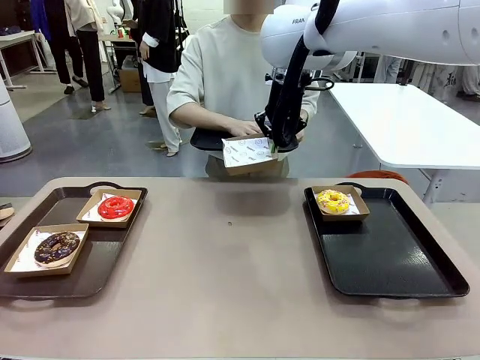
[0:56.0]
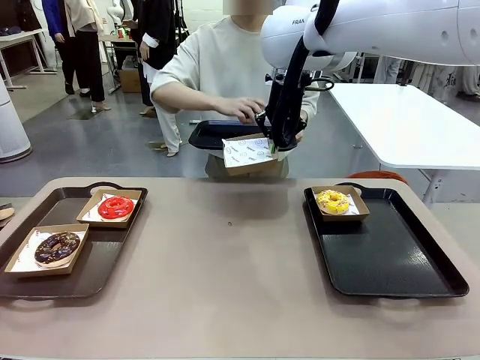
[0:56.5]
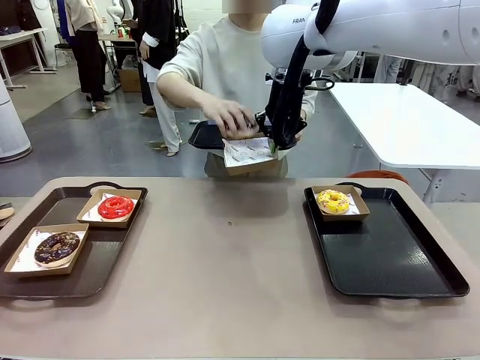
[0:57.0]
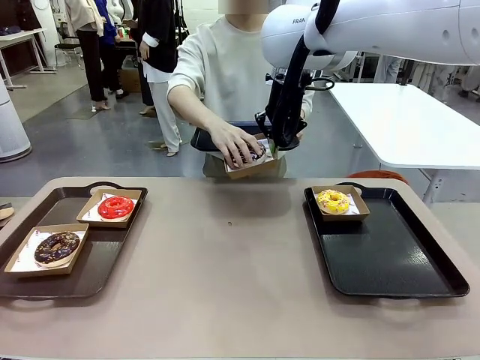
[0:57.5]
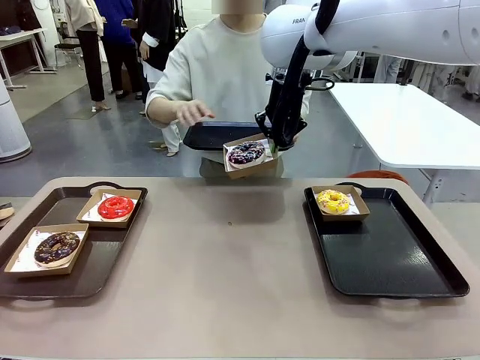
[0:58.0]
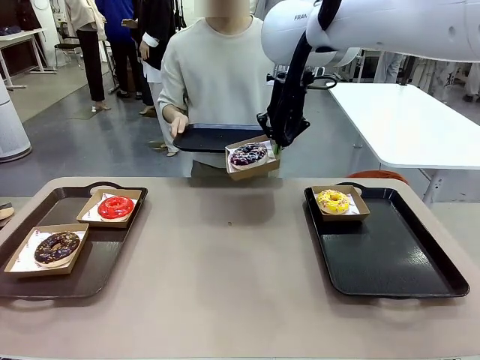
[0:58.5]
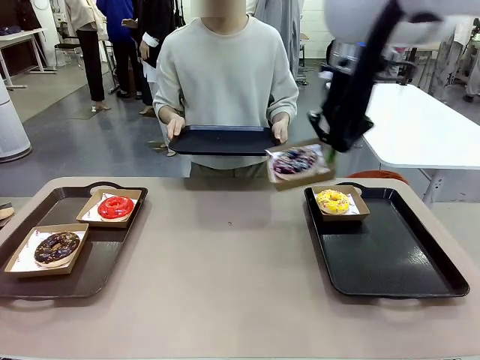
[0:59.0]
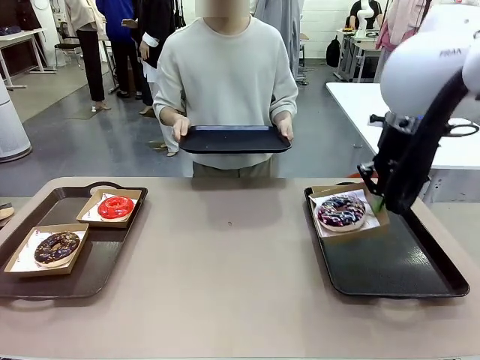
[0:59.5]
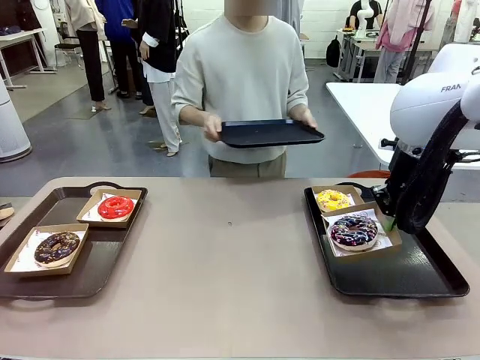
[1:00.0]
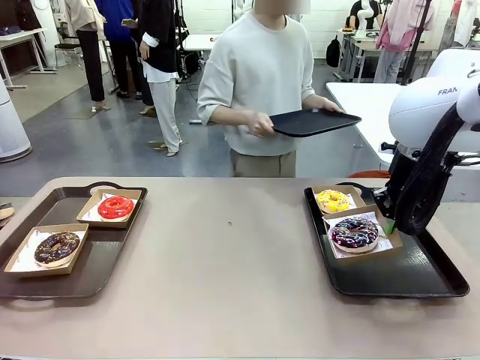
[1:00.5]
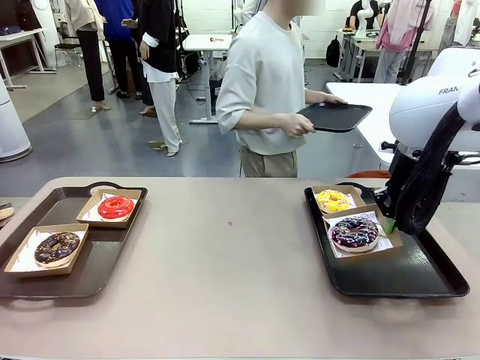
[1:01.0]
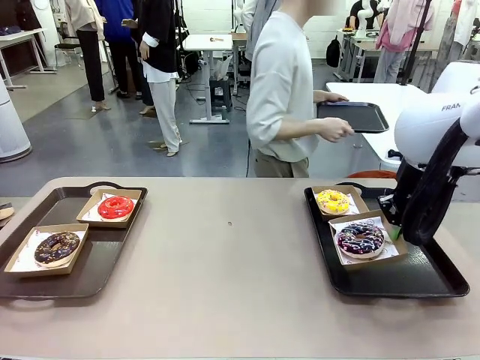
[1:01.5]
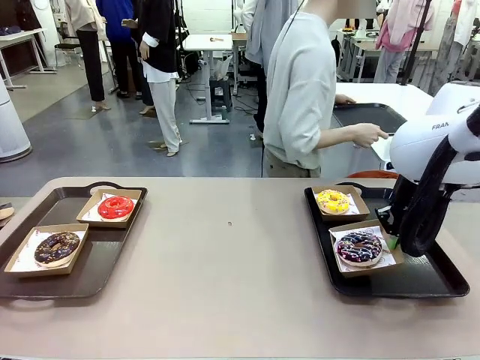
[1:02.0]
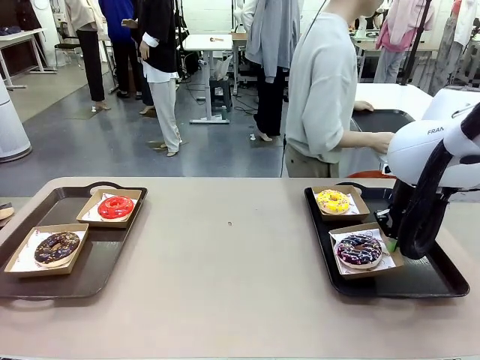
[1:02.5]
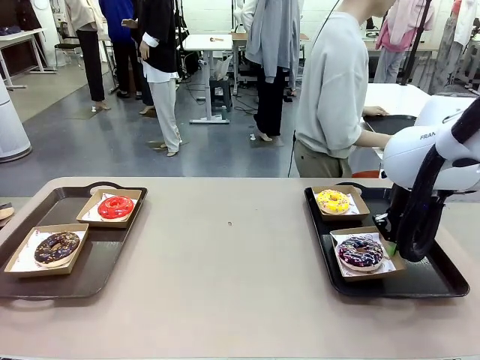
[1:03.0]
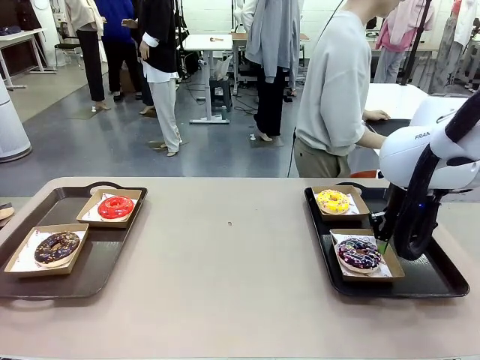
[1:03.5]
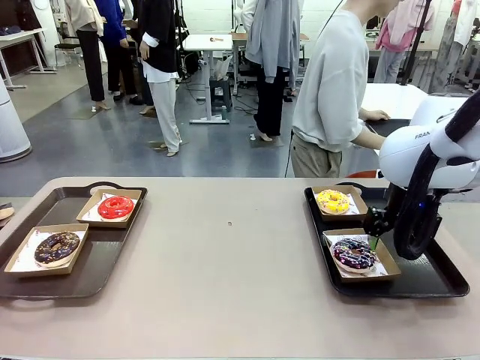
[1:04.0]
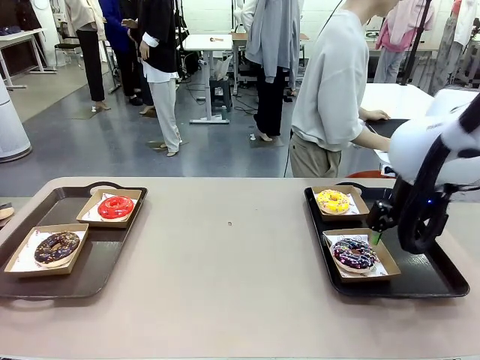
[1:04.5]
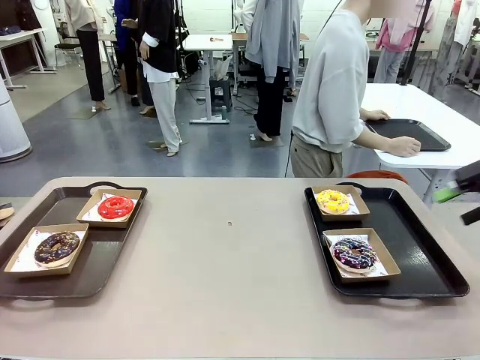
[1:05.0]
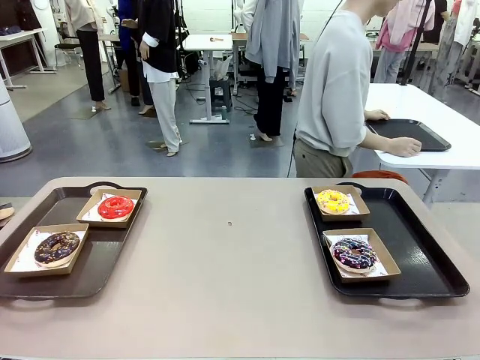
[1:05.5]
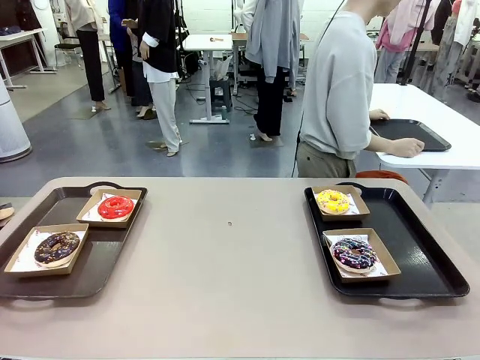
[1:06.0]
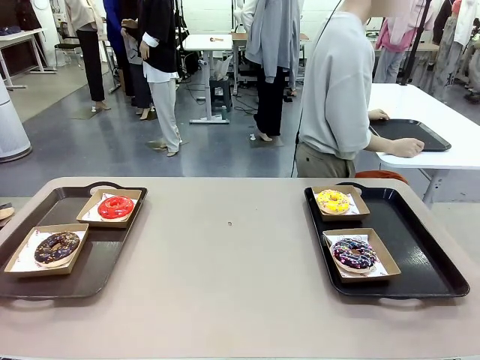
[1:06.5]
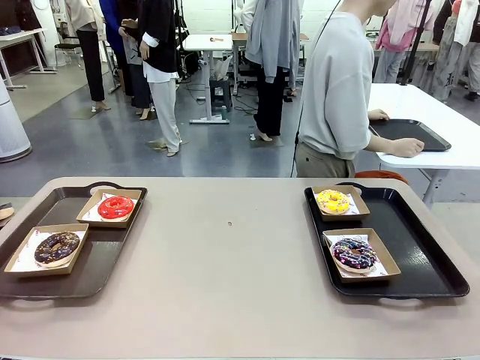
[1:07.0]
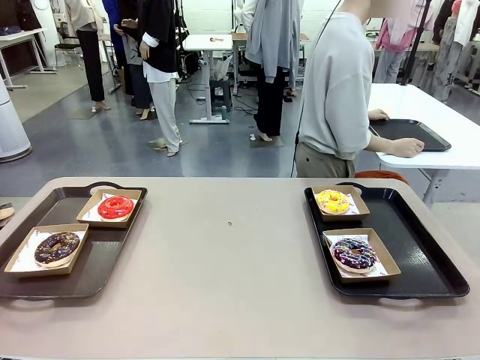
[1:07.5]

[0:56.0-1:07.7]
Task: Individually package the donuts and arrange them on the tray.
Robot: Place the picked Paper togo box on the Handle tray.
Person: Place the tray down in the middle of the human table.

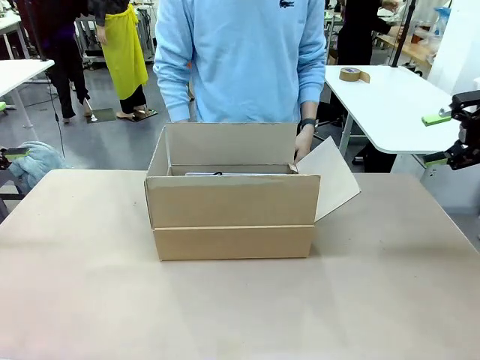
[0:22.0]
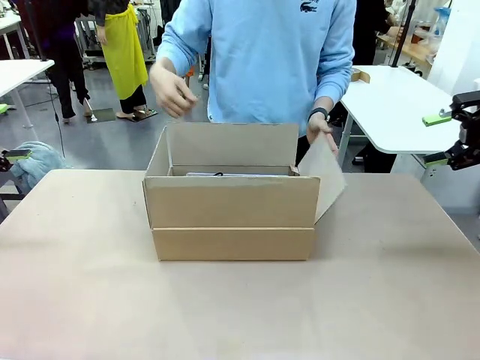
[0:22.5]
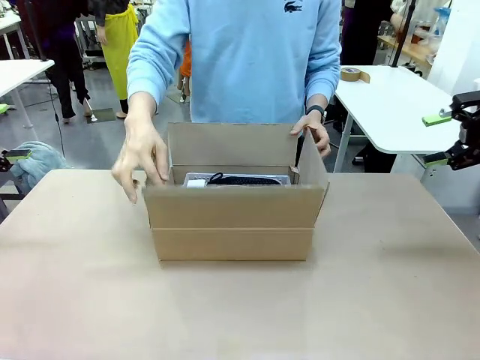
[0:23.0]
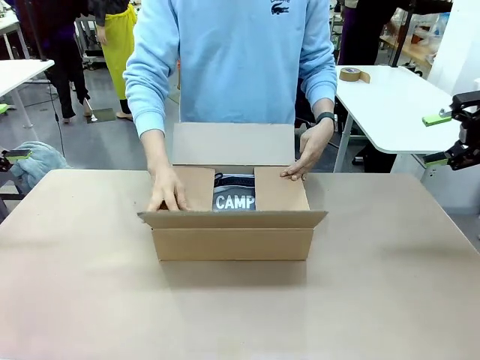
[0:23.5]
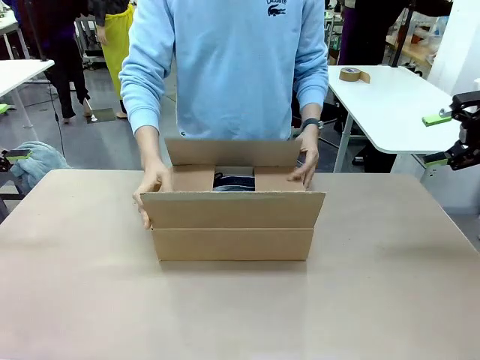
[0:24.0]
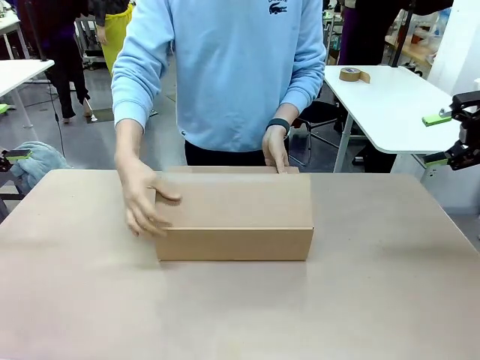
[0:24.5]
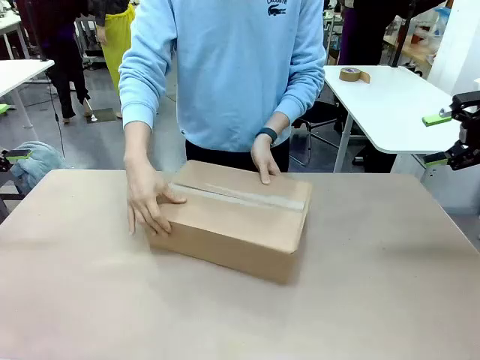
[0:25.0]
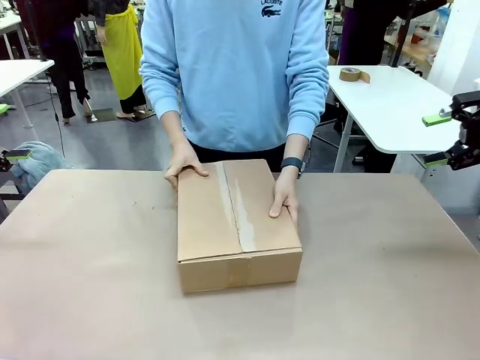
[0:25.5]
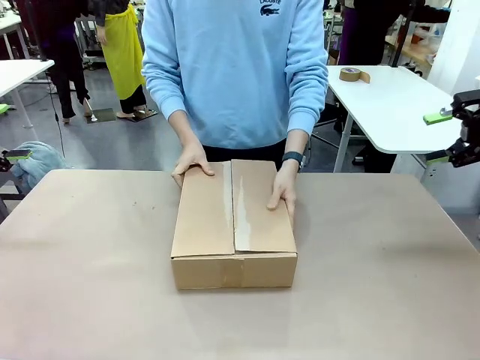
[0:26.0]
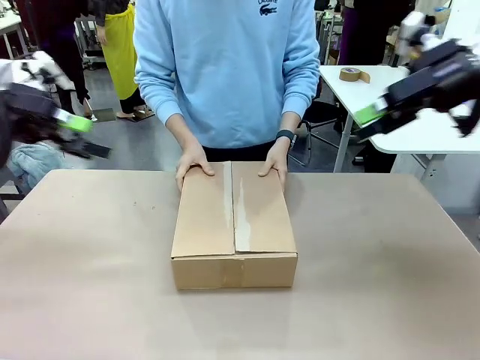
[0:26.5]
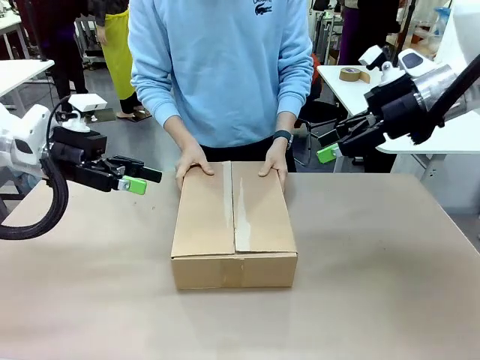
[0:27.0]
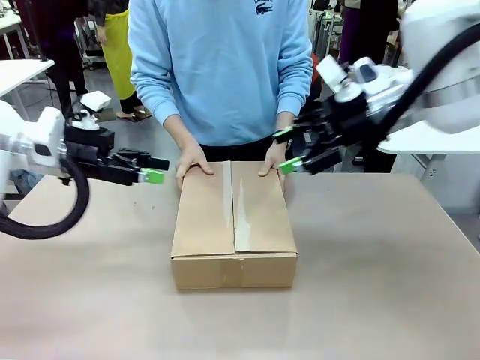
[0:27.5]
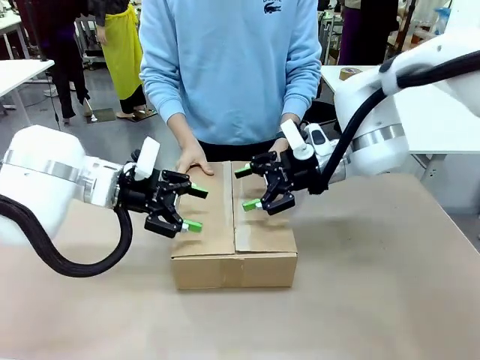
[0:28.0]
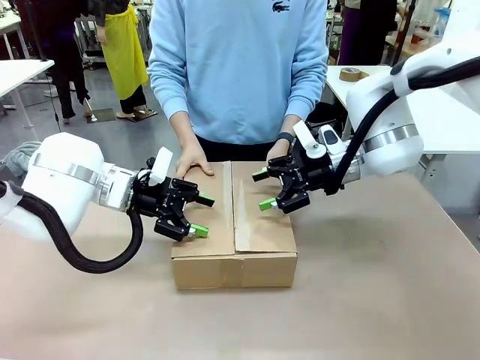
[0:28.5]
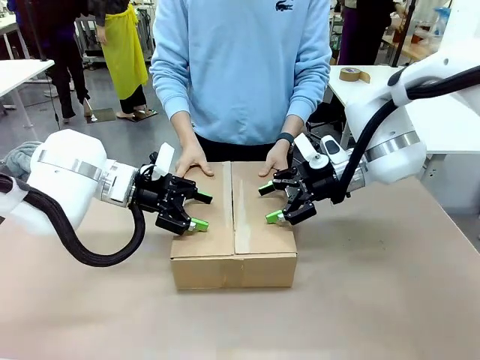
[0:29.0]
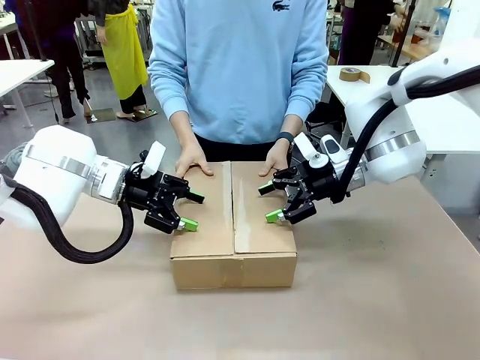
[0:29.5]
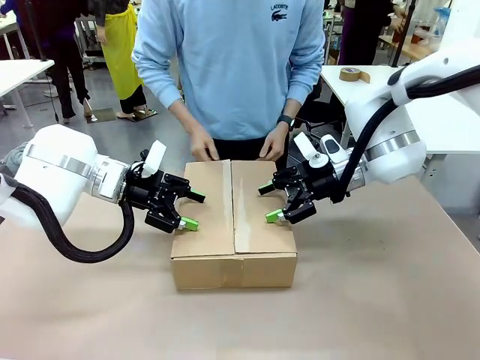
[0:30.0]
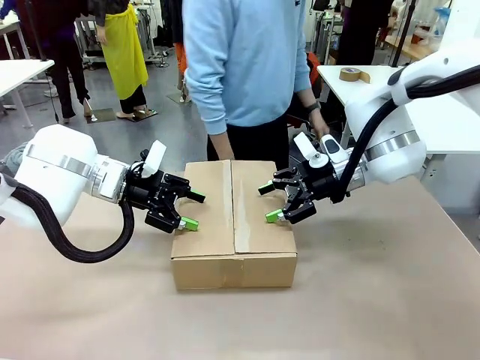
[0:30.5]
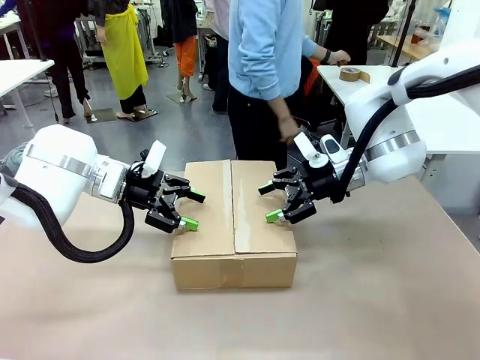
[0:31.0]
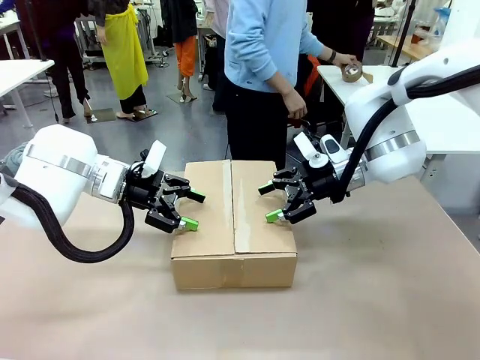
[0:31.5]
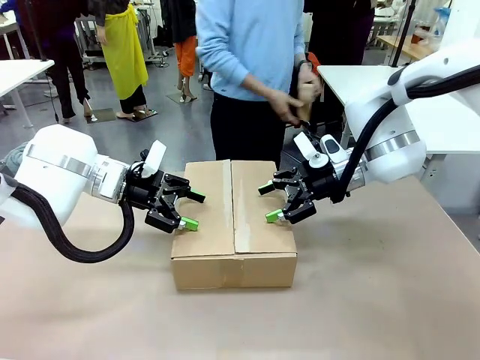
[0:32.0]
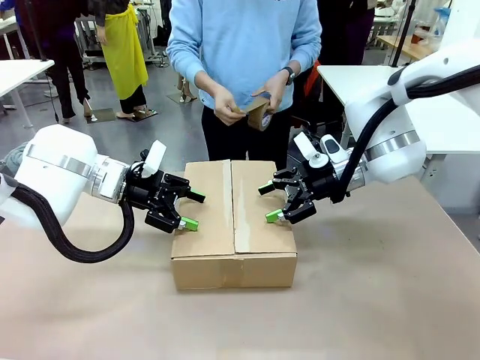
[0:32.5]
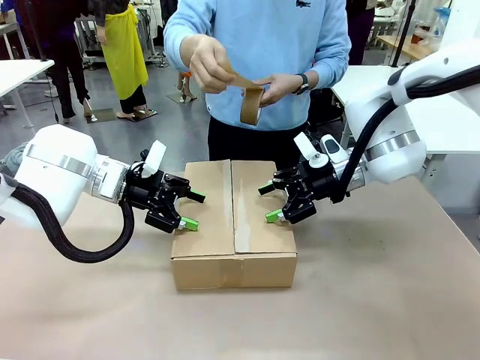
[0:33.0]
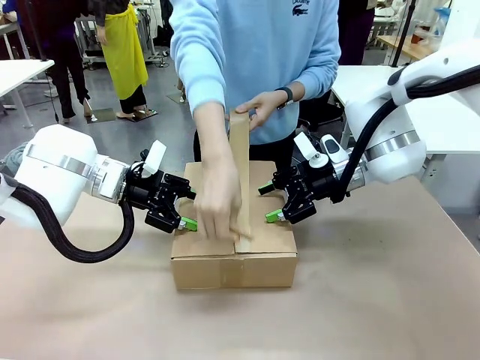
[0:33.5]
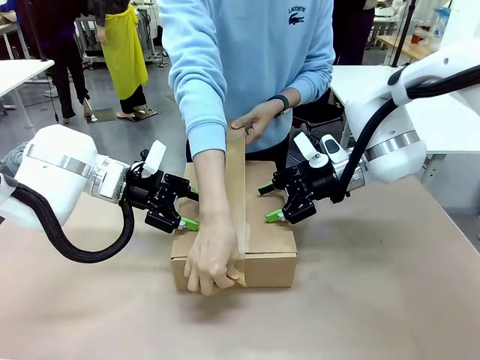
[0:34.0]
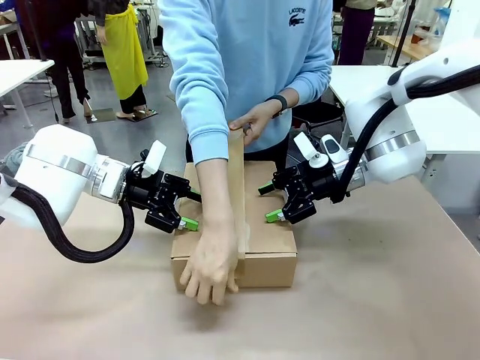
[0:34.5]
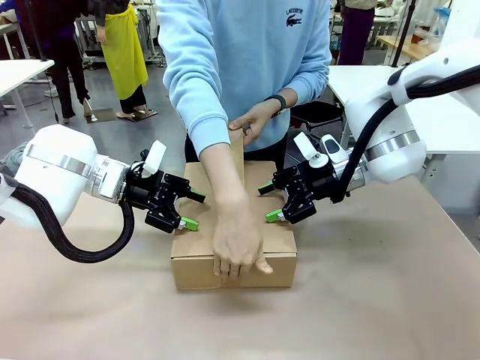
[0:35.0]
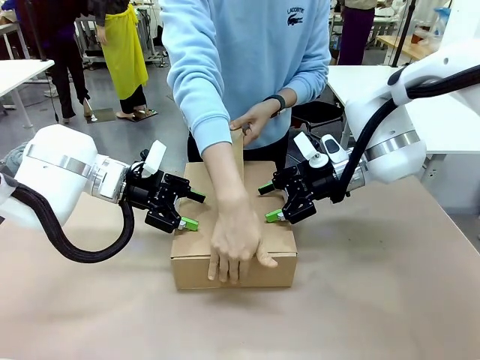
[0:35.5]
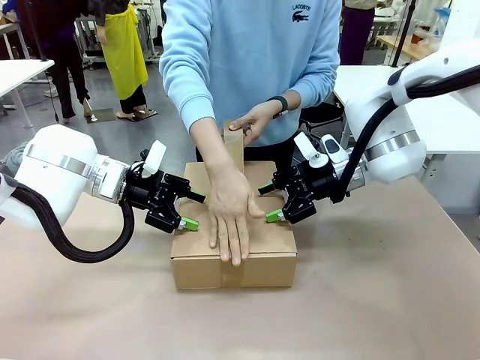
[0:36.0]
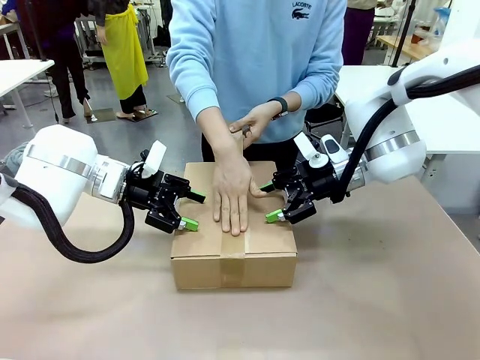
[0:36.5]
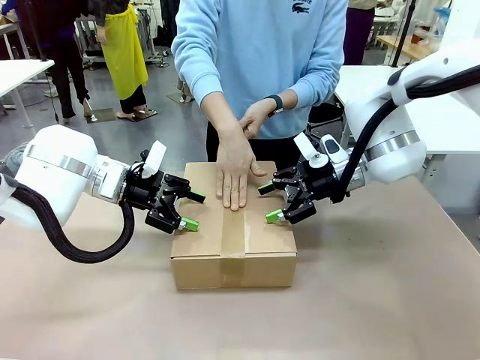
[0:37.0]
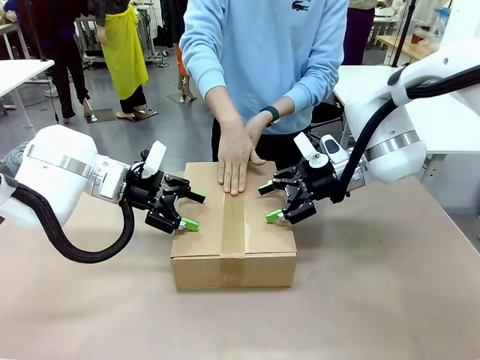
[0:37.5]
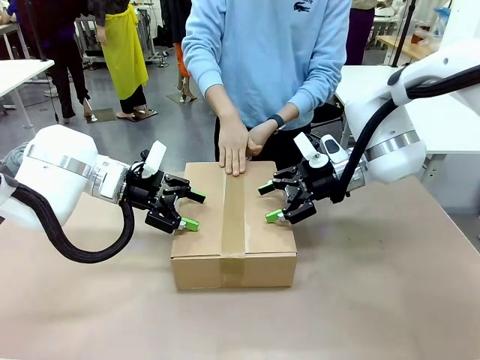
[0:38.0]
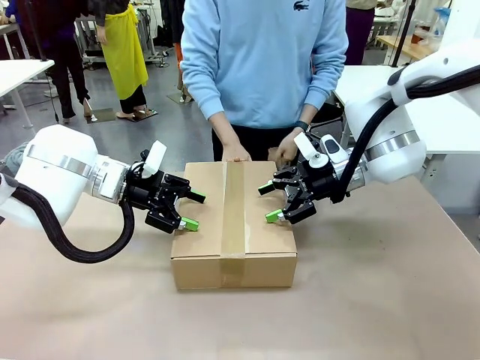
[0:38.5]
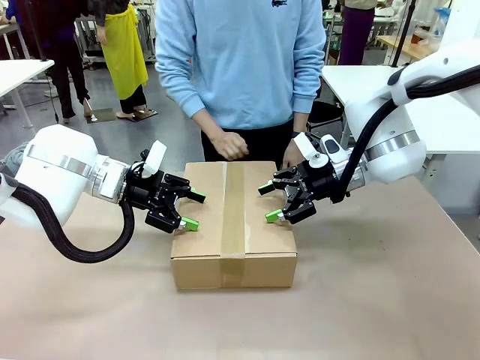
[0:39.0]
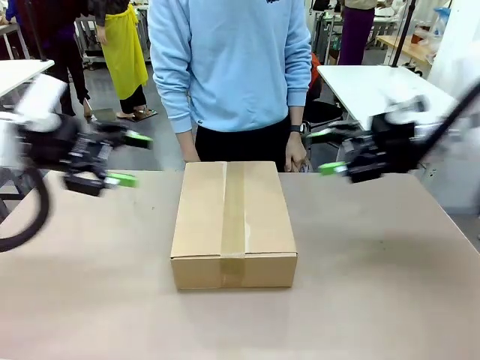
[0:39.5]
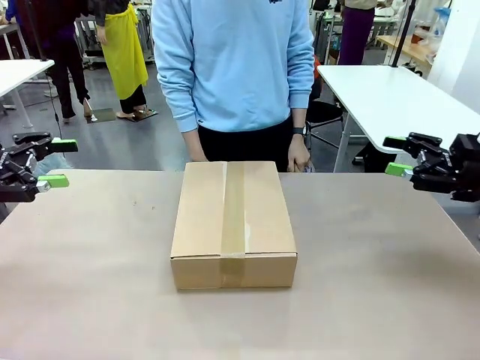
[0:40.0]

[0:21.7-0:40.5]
Task: Pack the gift set into the box.
Robot: Press and hold the closed box until the human finishes sealing it.
Person: The human closes the box and rotates the box by 90 degrees. The human picks up the paper tape from the human table and packs the box.
